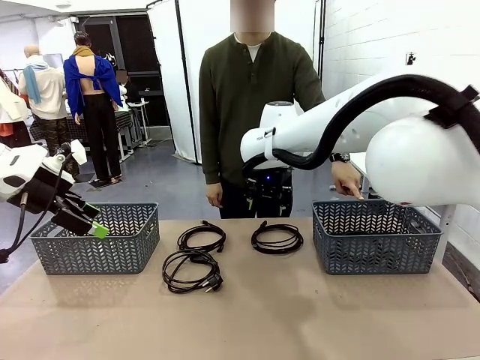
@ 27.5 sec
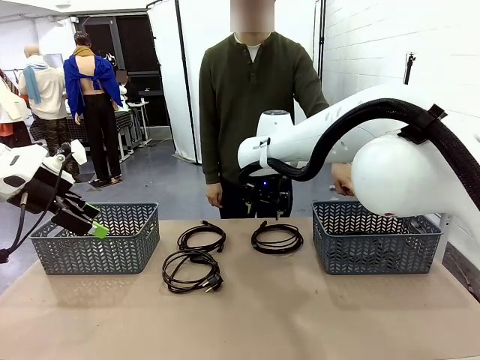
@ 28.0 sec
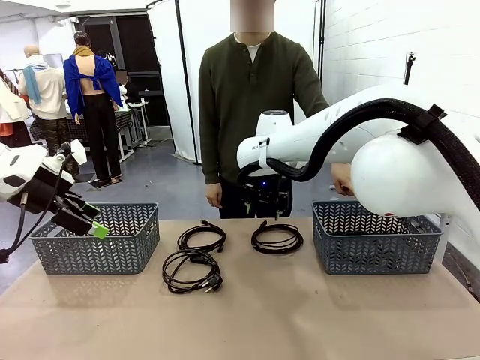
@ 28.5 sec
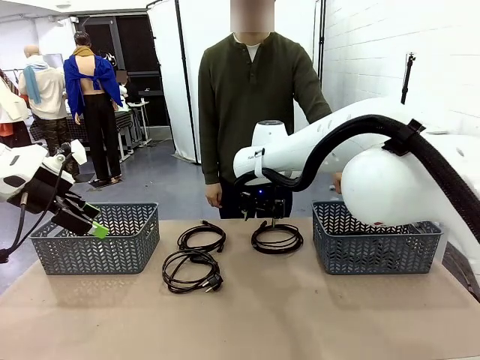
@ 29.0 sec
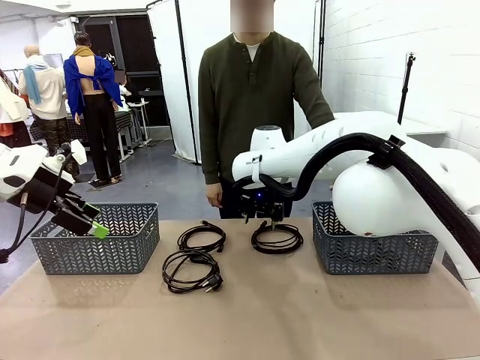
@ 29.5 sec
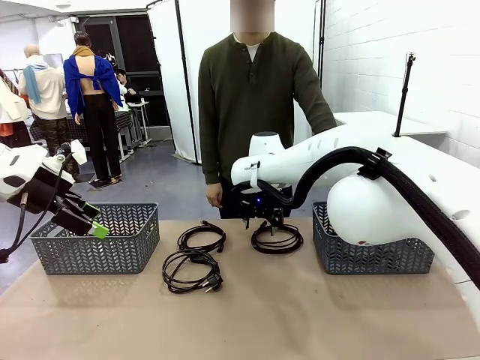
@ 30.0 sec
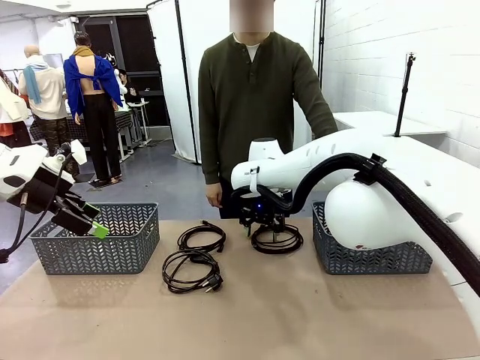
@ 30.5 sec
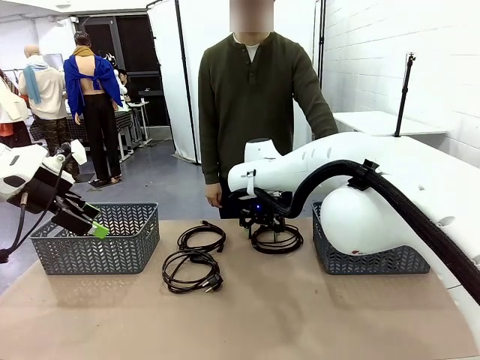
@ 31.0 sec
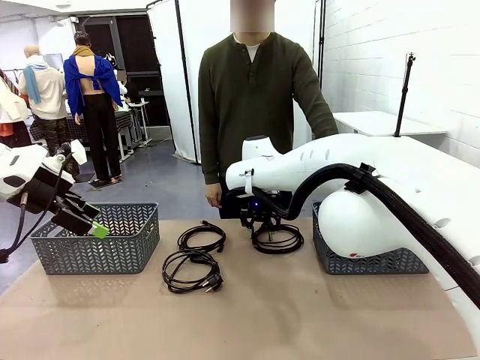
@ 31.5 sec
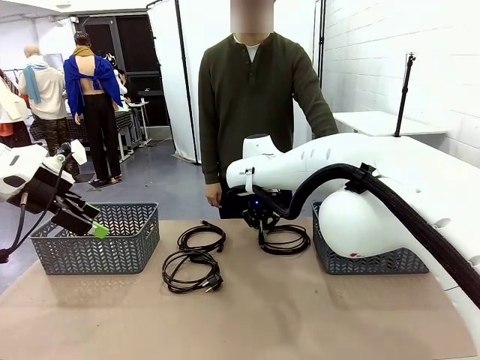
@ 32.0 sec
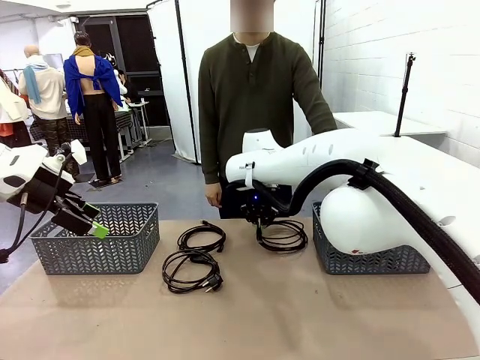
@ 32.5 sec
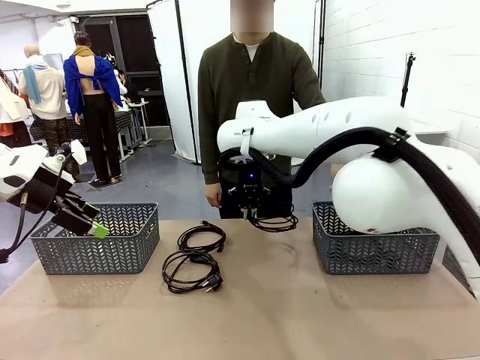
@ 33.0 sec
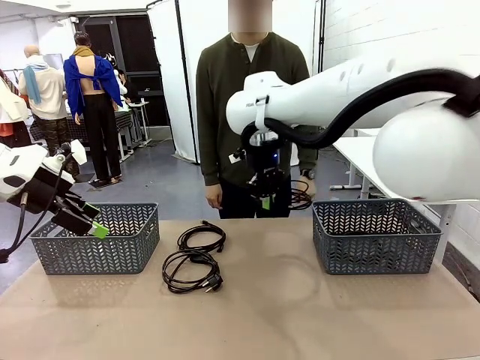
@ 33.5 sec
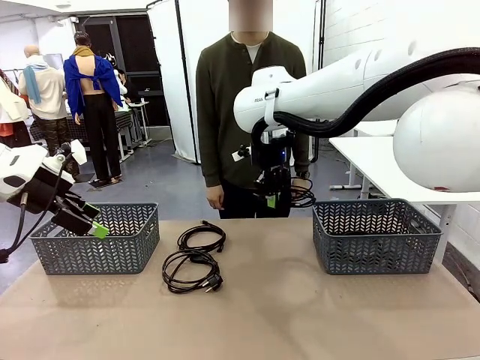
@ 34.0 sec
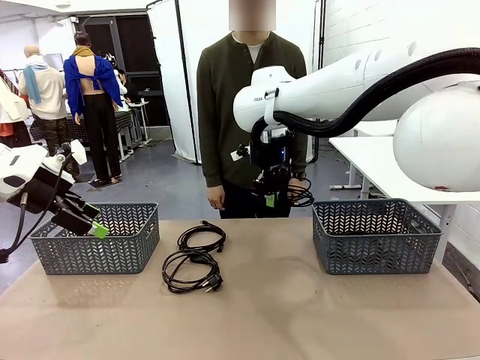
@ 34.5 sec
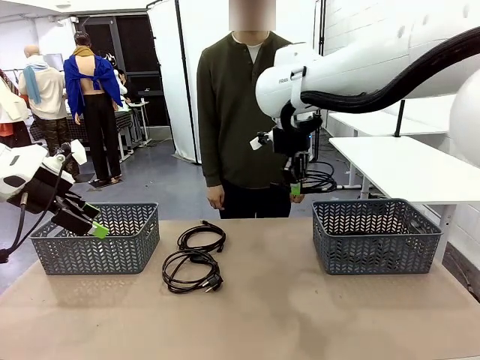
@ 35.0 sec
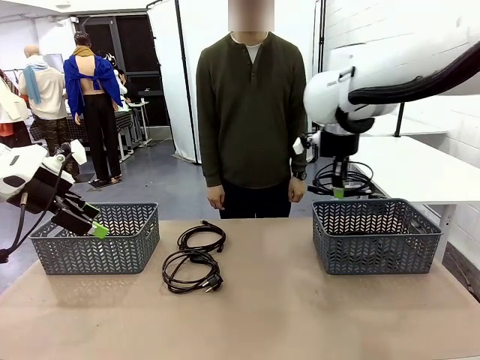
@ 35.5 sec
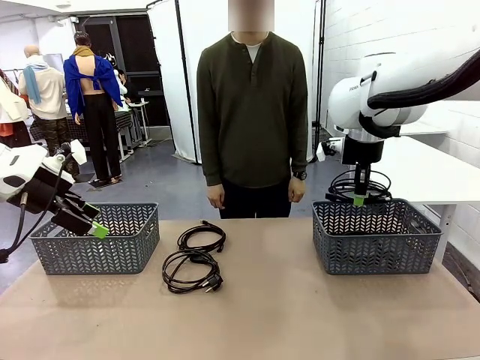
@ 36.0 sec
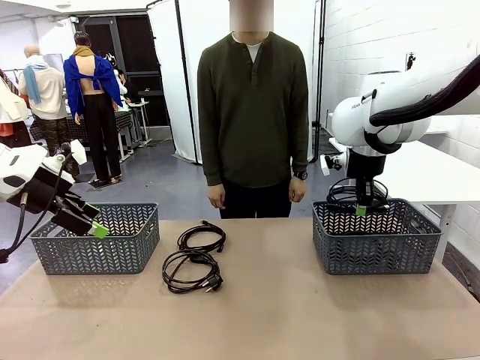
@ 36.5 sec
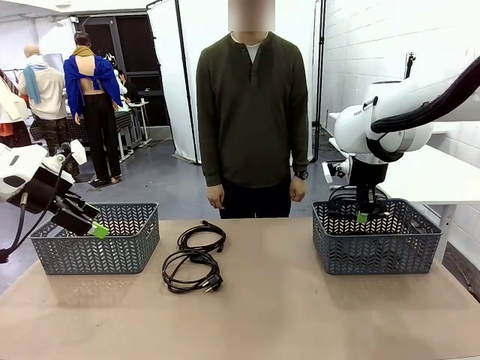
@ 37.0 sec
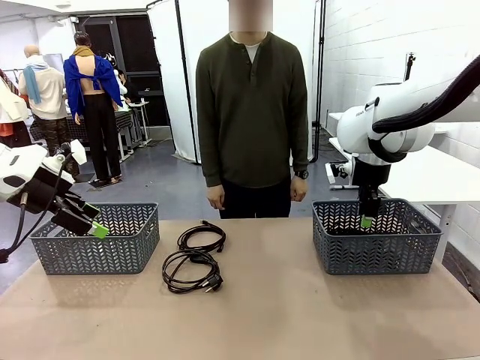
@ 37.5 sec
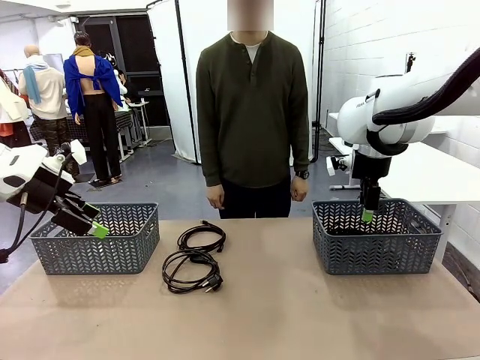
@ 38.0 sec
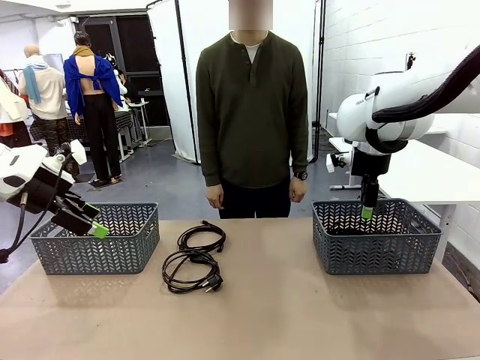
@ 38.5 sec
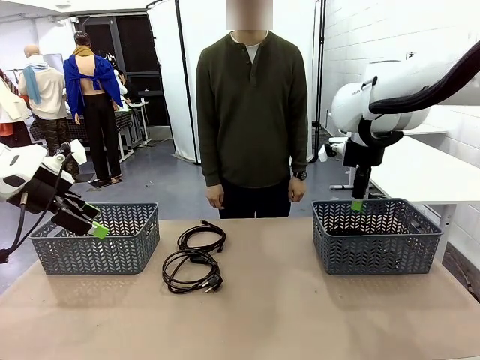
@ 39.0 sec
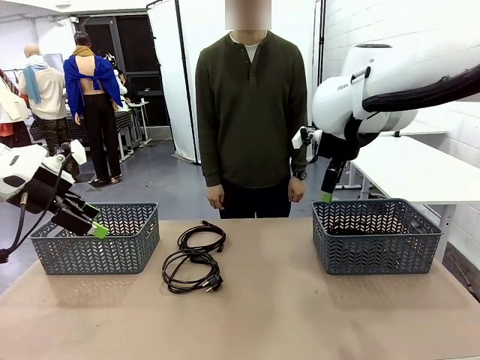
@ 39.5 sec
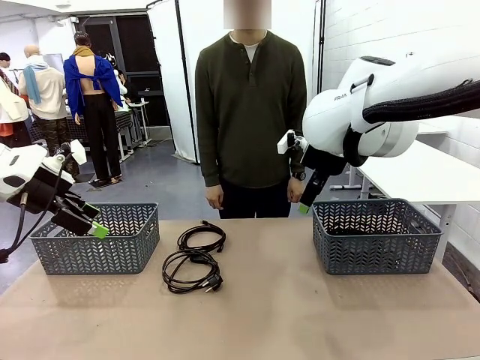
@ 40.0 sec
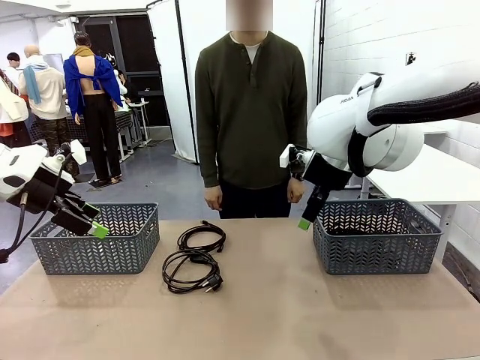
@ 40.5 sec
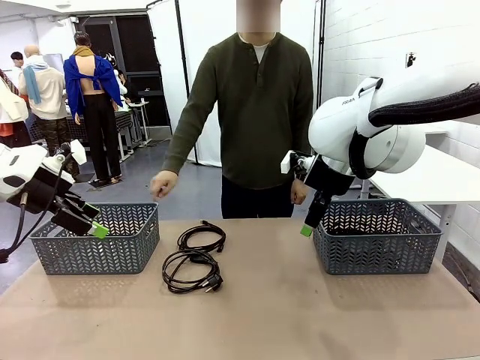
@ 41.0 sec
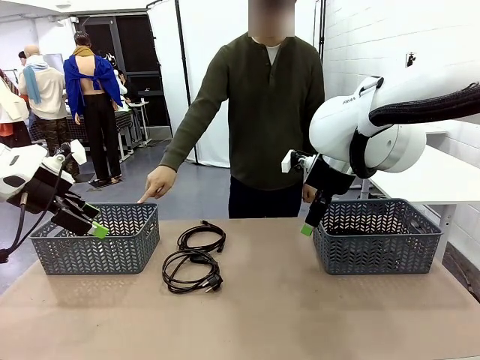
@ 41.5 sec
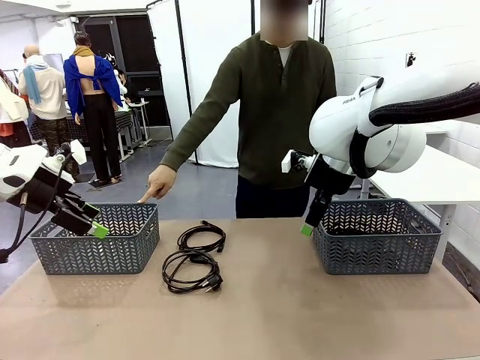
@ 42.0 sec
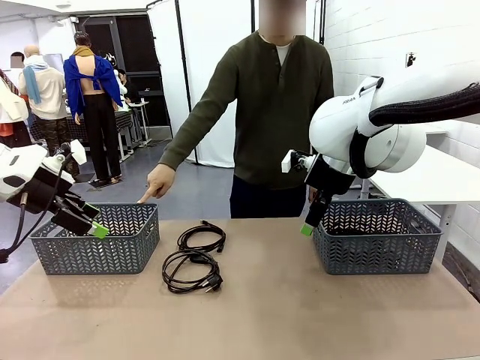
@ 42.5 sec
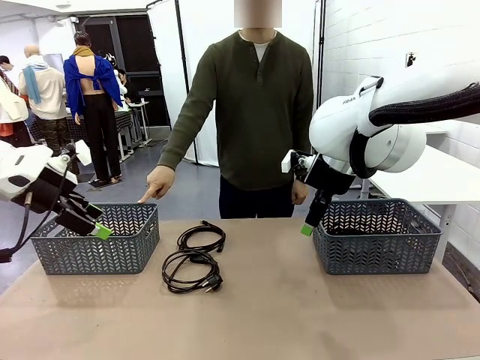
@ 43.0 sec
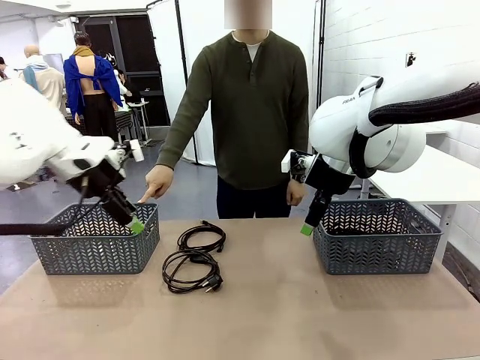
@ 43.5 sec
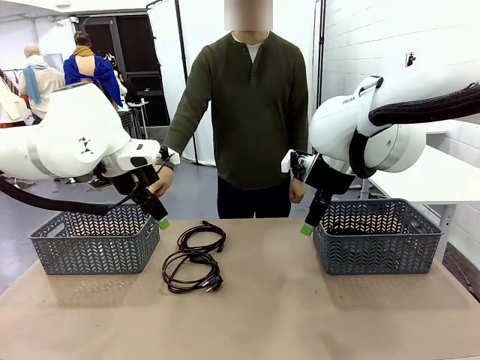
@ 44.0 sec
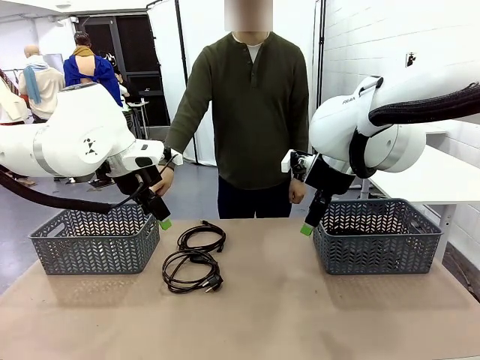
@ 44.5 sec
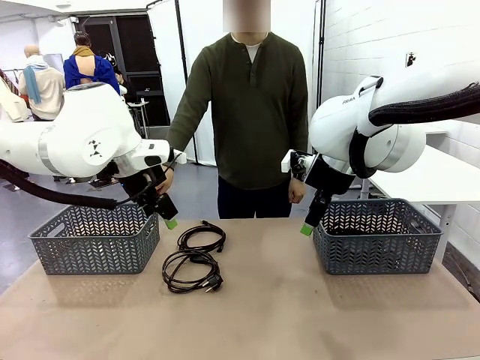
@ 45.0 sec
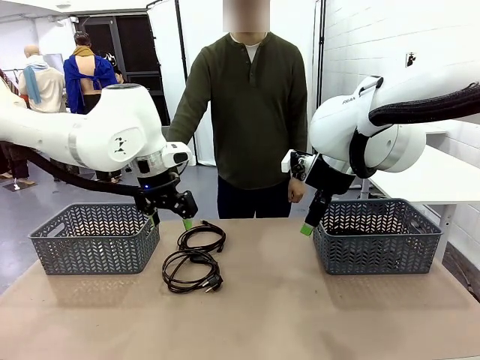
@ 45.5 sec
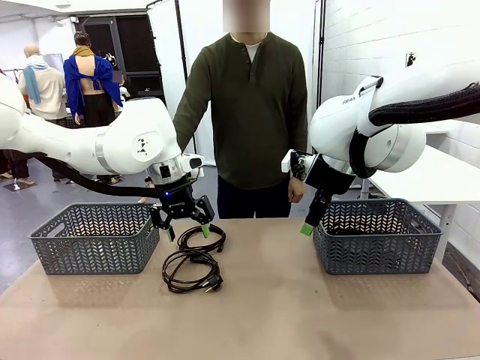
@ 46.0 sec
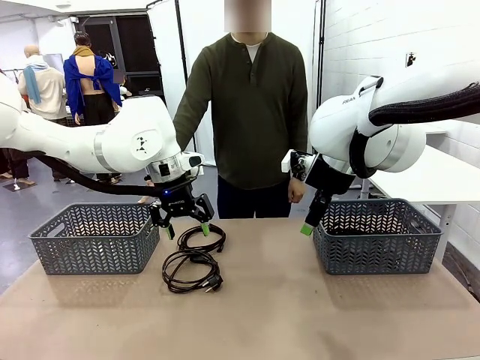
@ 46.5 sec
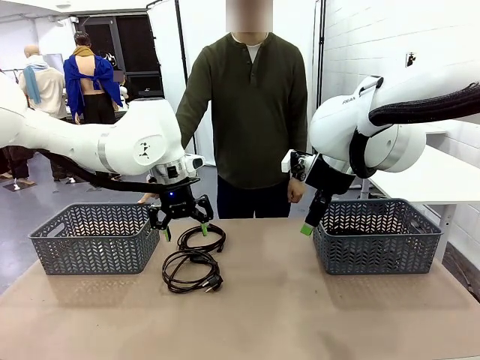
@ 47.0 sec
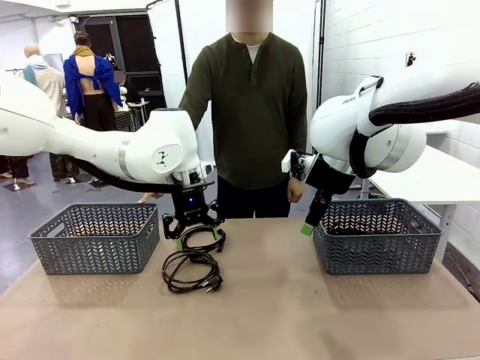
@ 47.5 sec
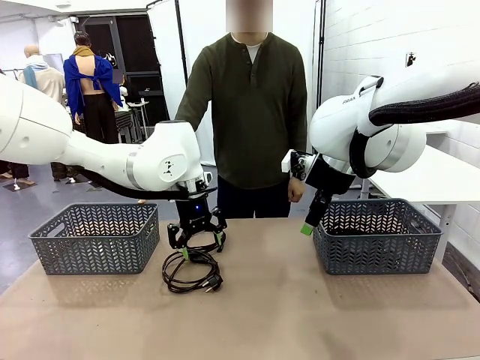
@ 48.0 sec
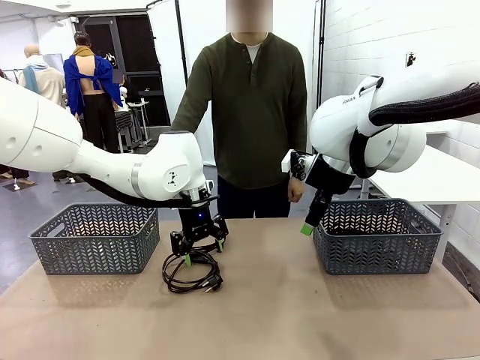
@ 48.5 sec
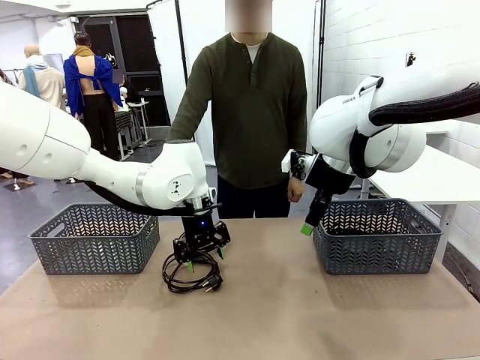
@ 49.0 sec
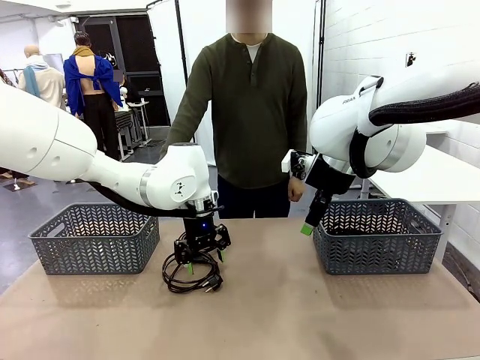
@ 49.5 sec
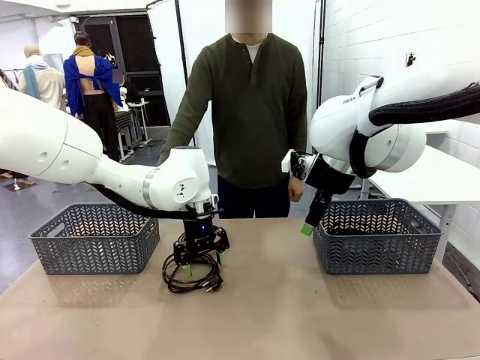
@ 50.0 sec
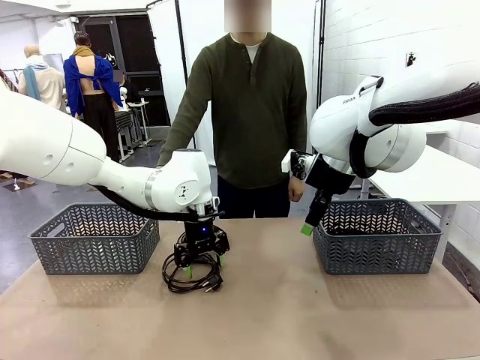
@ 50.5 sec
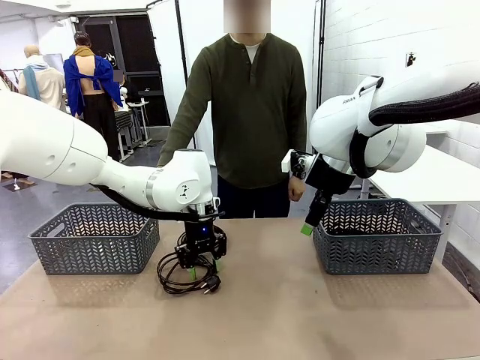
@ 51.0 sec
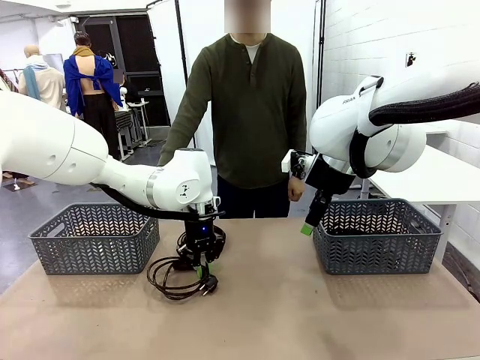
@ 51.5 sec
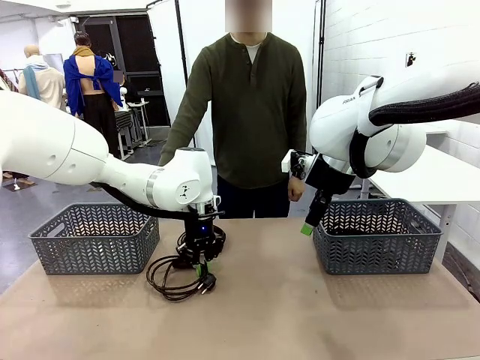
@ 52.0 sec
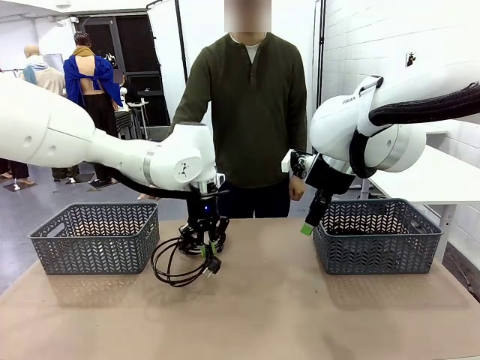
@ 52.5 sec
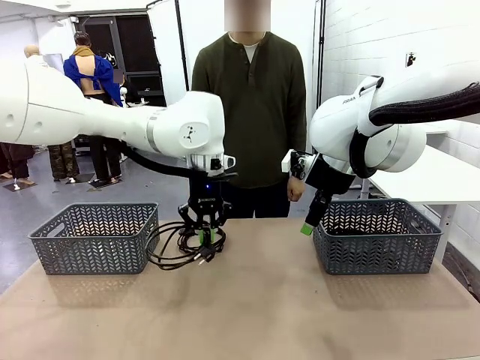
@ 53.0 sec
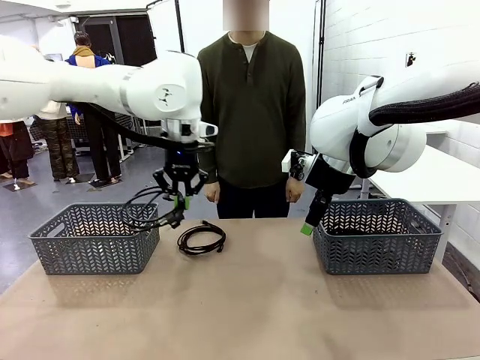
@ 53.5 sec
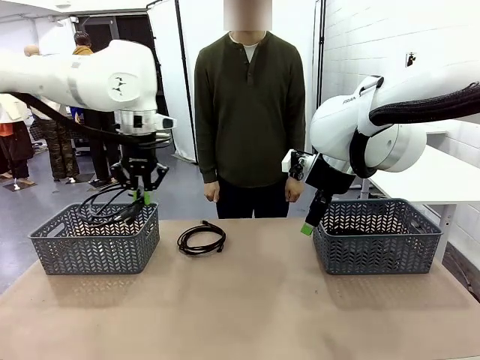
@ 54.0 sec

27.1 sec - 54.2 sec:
Task: Organize the cables according to human instructions.
Robot: Pick up a bundle of cables and place it in the basket indicated by the human.
